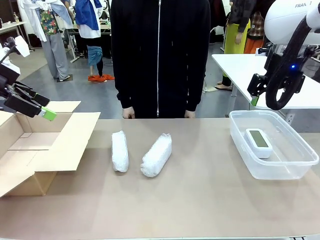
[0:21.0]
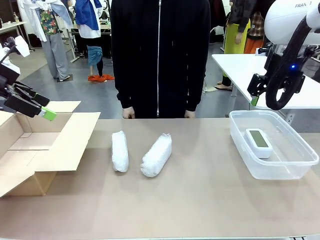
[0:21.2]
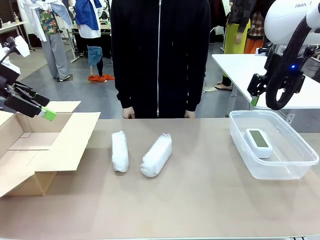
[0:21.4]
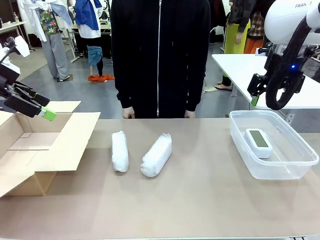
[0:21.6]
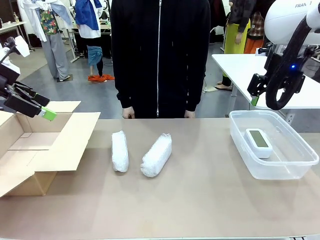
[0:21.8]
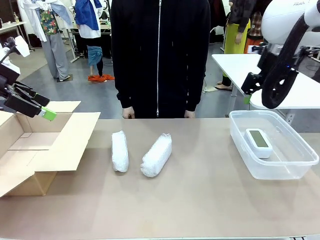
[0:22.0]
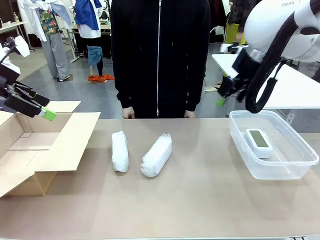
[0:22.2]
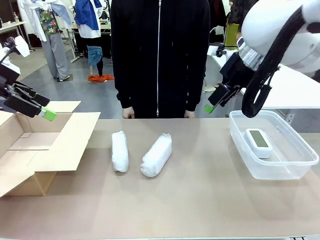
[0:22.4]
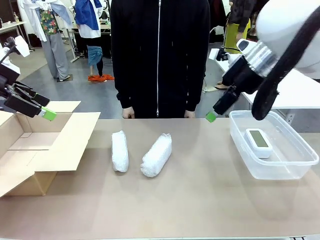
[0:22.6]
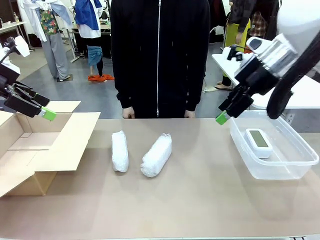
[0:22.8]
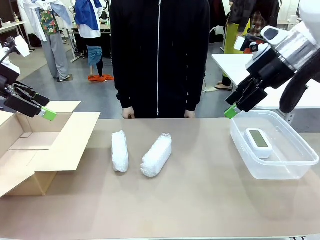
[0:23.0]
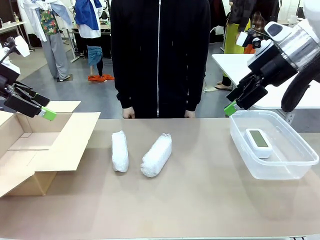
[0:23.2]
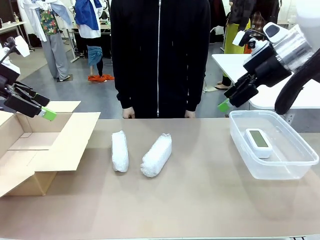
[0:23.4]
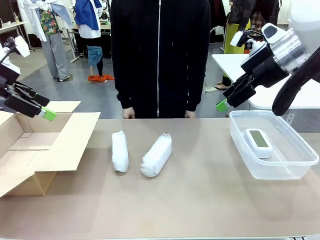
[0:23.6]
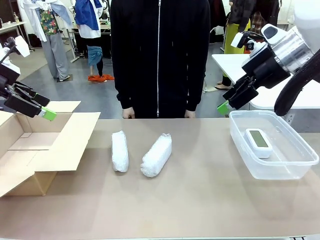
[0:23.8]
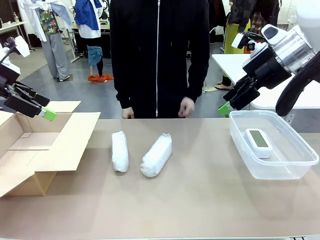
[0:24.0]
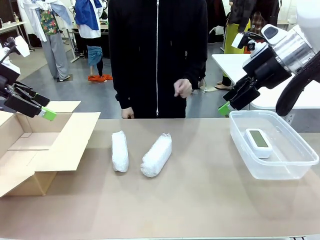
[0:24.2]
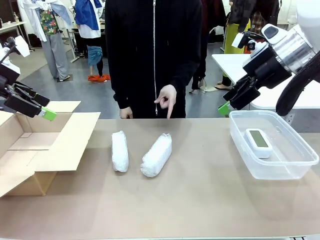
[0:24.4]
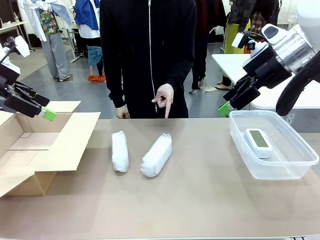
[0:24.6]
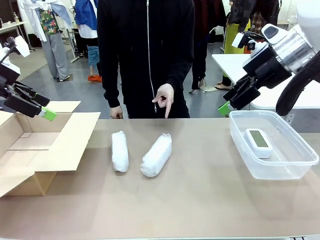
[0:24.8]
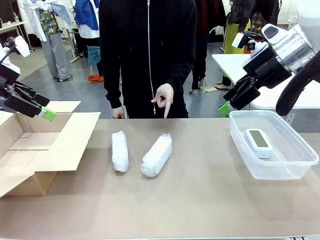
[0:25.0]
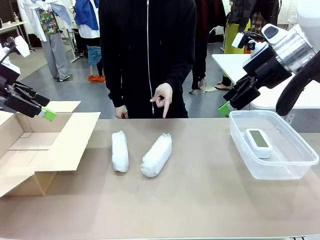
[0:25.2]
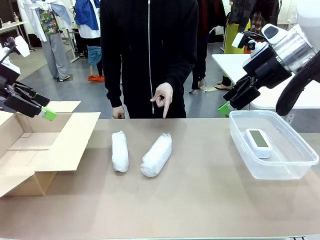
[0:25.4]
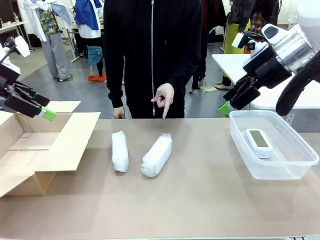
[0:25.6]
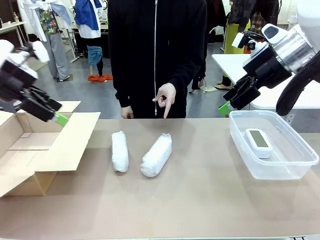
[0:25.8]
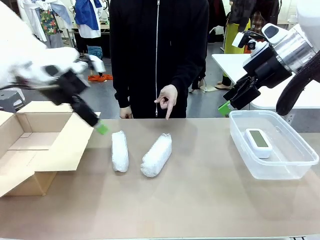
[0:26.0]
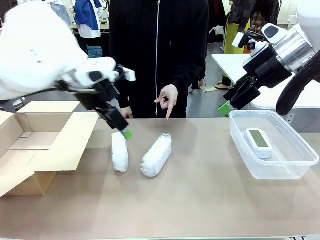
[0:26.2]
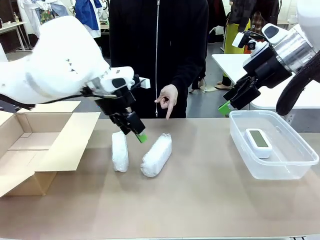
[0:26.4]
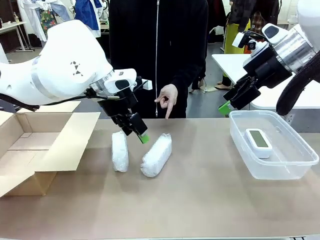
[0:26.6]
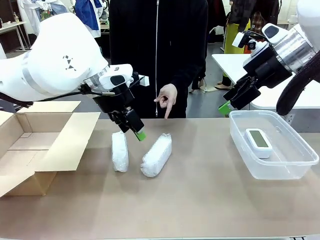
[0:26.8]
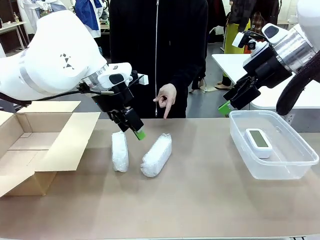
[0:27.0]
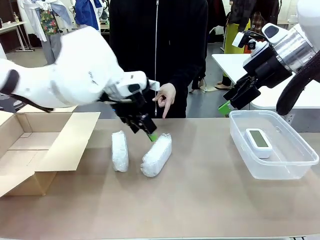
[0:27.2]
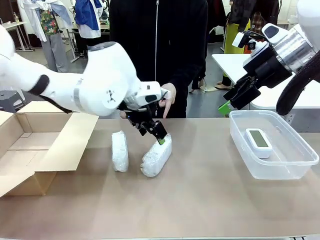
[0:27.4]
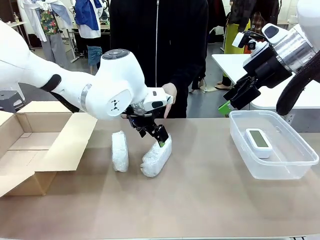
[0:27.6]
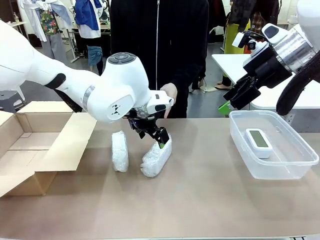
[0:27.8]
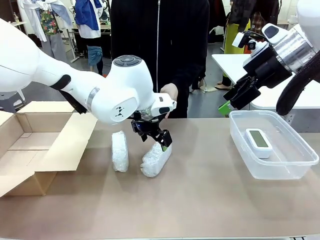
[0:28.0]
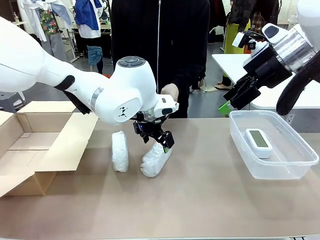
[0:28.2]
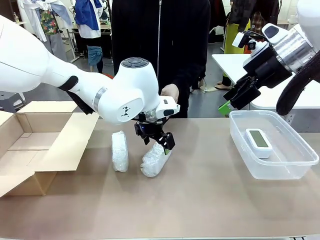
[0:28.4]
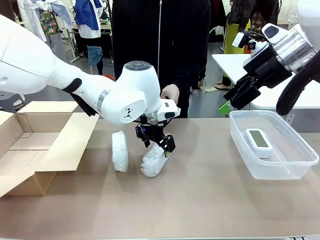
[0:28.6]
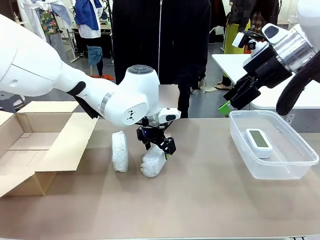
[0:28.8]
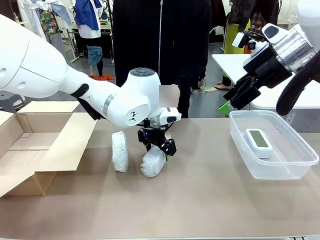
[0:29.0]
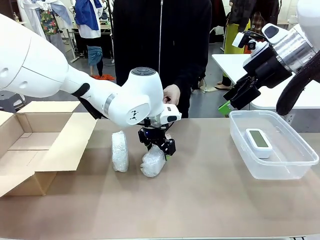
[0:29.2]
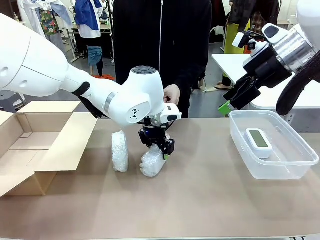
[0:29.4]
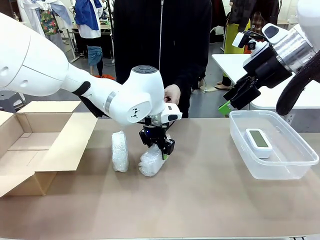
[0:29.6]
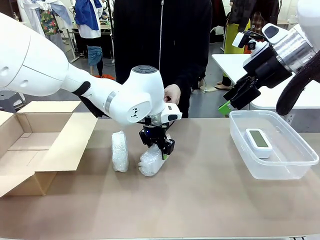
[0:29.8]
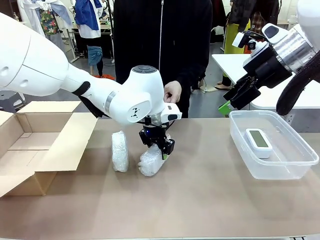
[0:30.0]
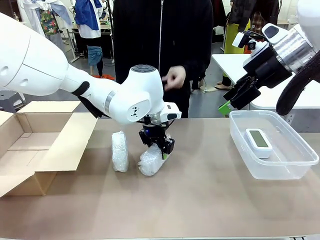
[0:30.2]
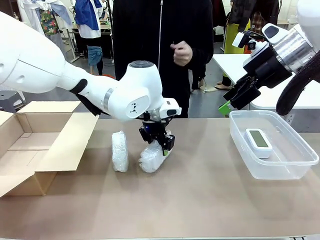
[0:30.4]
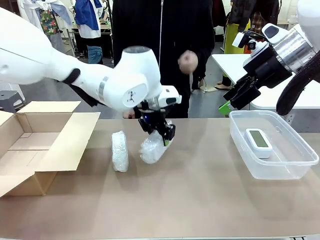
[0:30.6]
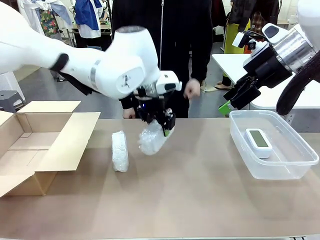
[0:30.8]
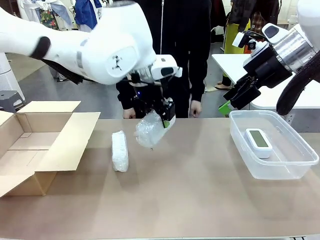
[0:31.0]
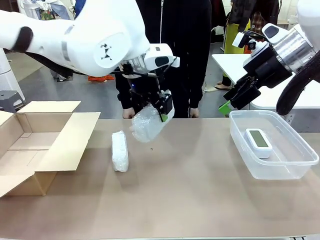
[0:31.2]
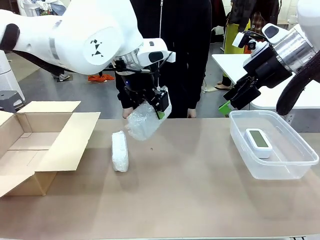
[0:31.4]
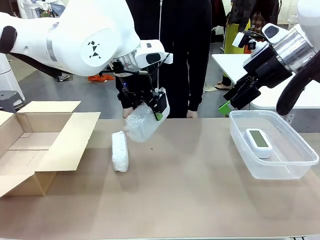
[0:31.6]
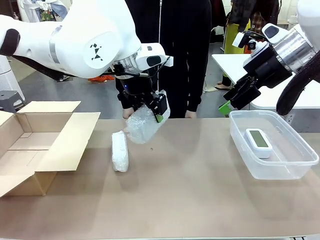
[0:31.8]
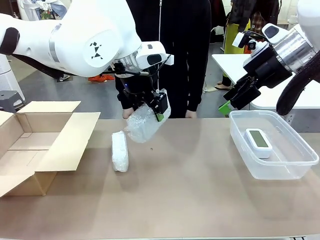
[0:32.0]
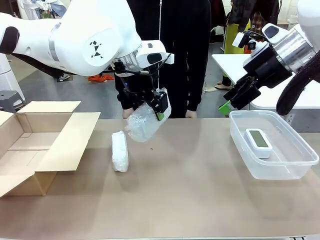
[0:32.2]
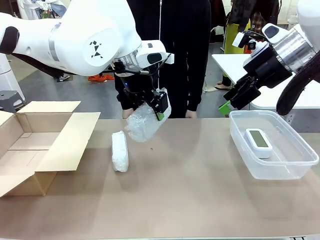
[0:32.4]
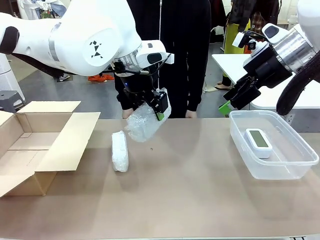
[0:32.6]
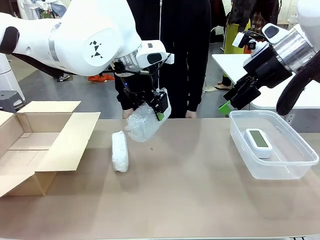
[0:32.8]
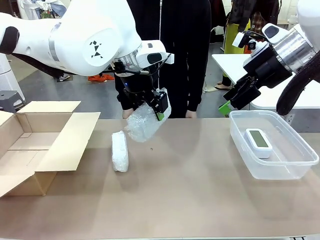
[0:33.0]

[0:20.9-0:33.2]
Task: Separate and place wrapped and unwrapped clocks.
Robot: Pick up the Digital clock indicated by the person.

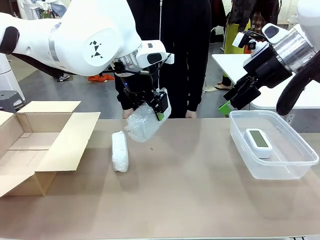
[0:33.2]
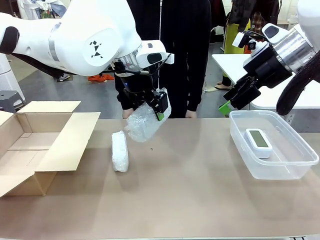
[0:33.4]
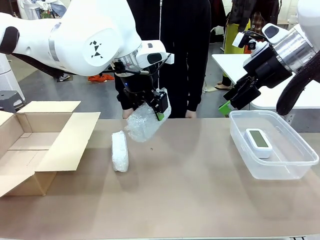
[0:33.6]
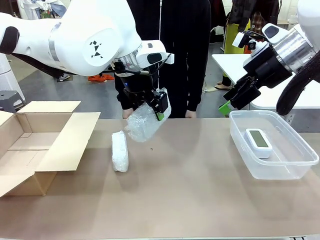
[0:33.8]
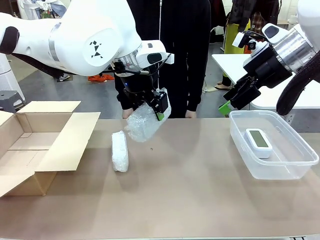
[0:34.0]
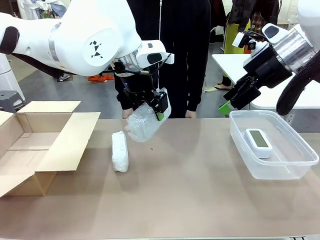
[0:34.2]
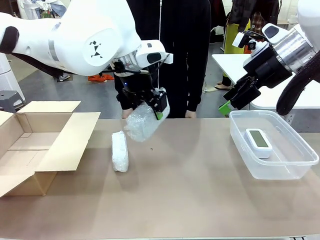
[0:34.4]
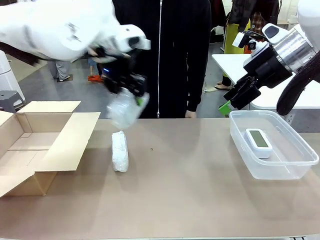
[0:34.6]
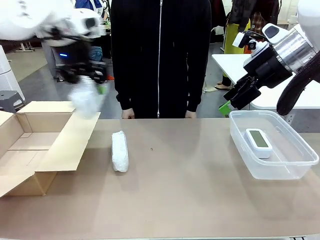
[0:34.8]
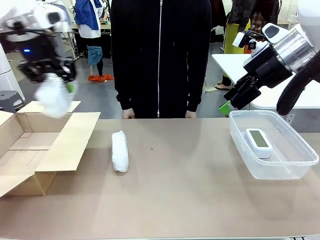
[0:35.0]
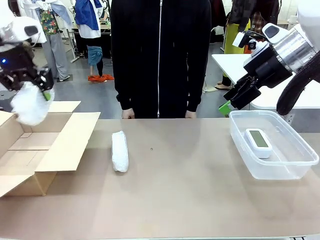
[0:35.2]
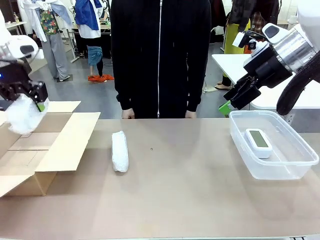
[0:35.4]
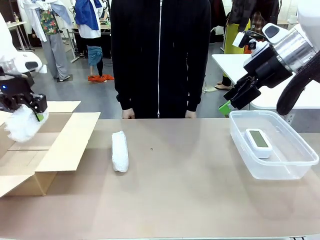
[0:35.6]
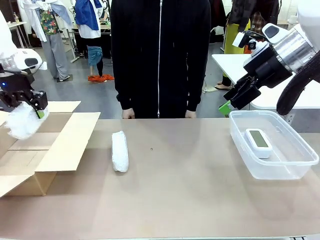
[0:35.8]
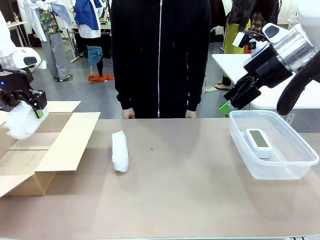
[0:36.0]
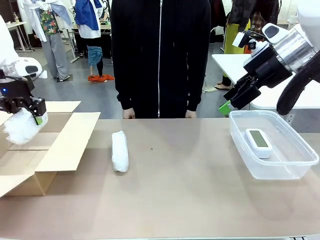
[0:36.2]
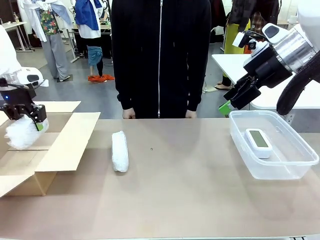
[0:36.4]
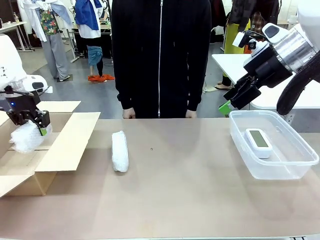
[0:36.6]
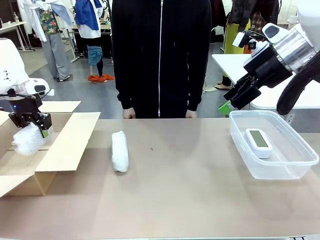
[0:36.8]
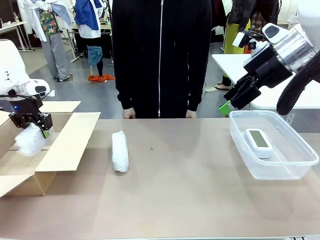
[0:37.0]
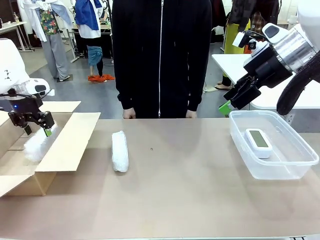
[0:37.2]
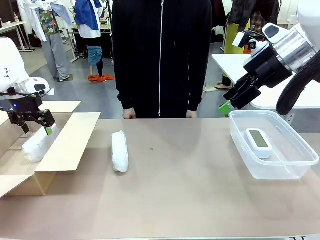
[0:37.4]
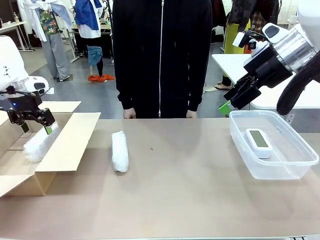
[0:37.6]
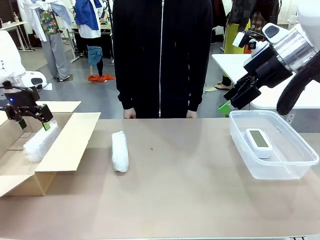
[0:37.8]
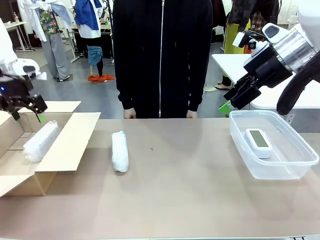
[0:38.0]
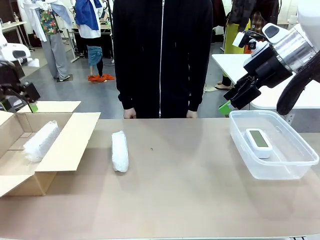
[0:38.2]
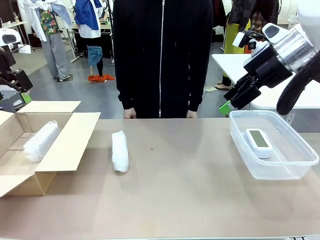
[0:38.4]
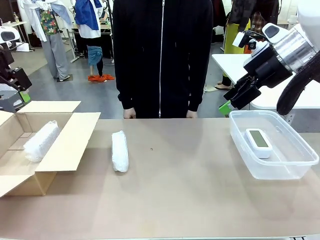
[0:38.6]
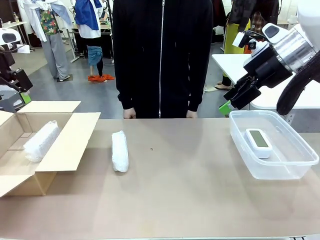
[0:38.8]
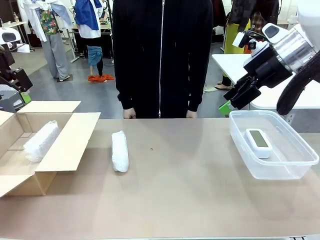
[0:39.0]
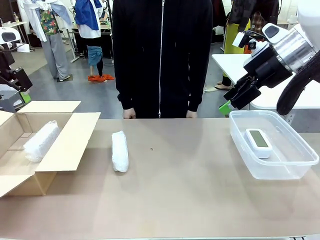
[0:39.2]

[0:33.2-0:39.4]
Robot: If the picked Digital clock is wrapped, place it in the Package Box ; if not, place it in the Organizing box.
